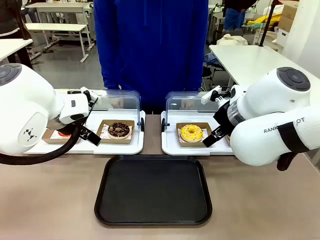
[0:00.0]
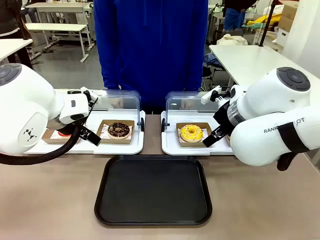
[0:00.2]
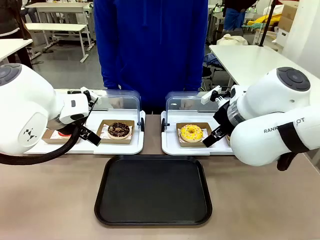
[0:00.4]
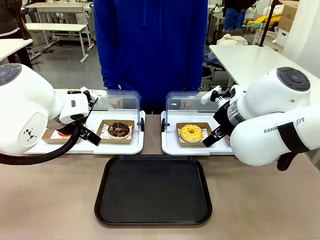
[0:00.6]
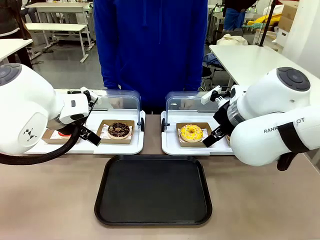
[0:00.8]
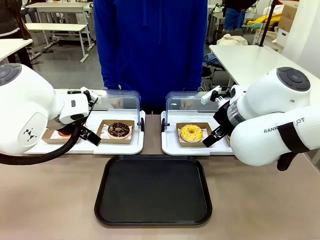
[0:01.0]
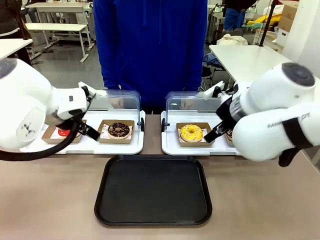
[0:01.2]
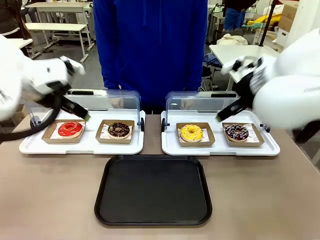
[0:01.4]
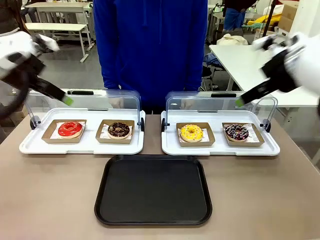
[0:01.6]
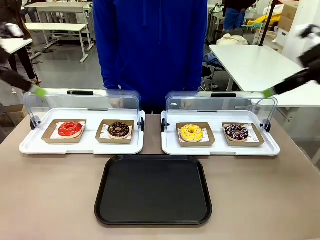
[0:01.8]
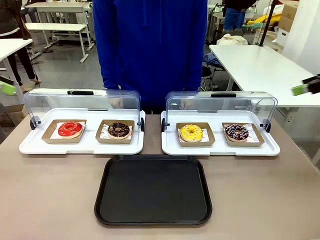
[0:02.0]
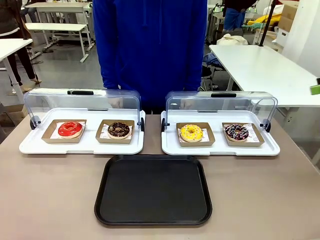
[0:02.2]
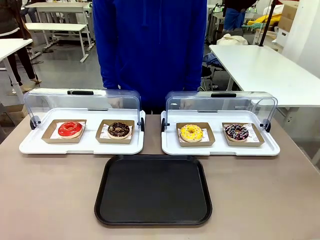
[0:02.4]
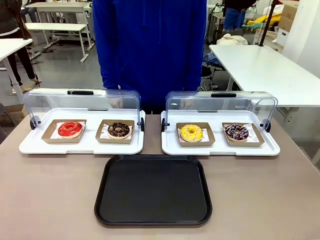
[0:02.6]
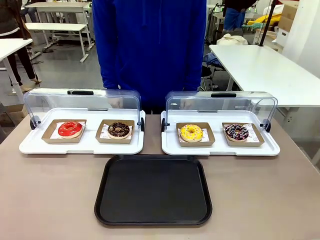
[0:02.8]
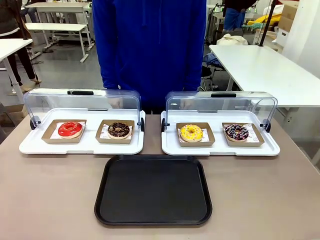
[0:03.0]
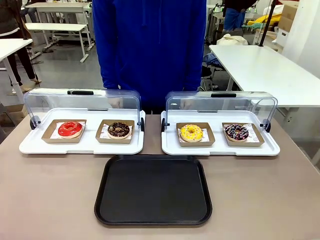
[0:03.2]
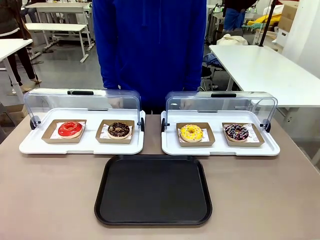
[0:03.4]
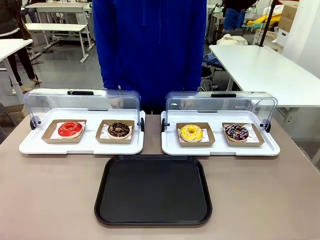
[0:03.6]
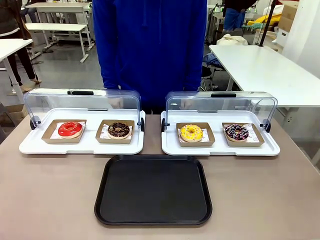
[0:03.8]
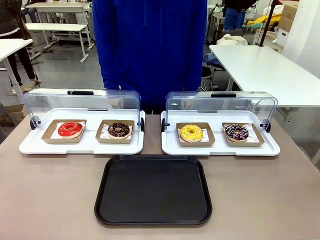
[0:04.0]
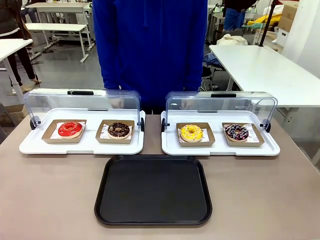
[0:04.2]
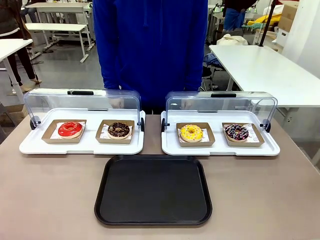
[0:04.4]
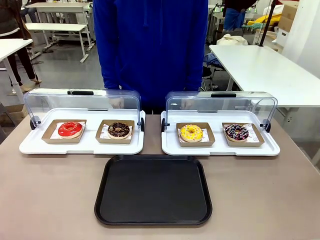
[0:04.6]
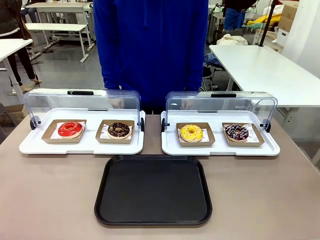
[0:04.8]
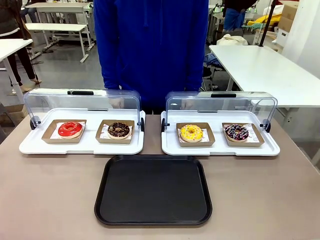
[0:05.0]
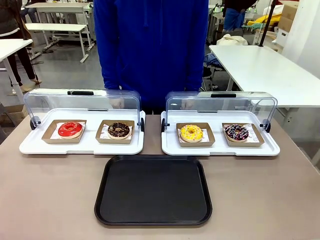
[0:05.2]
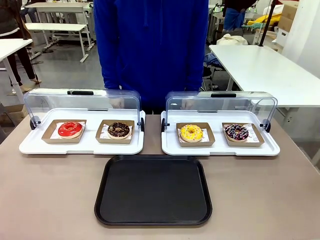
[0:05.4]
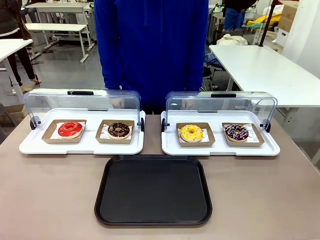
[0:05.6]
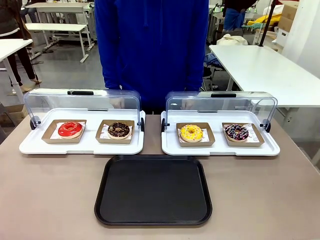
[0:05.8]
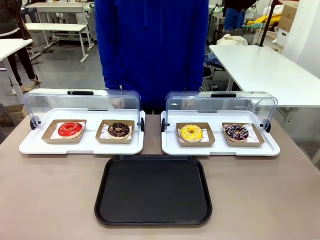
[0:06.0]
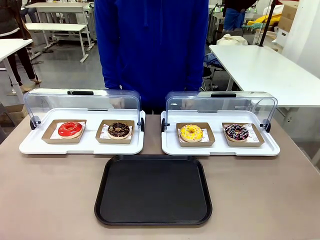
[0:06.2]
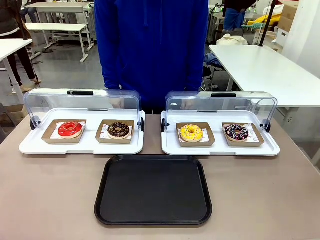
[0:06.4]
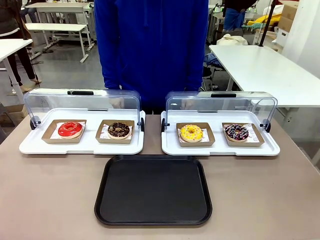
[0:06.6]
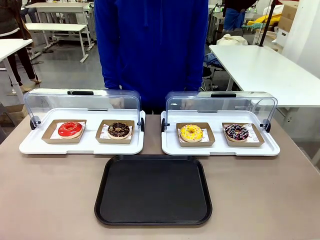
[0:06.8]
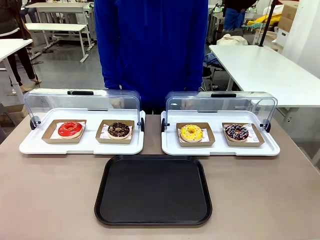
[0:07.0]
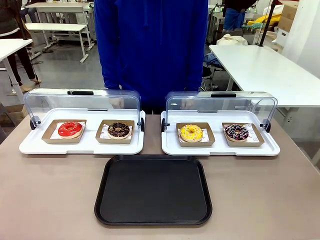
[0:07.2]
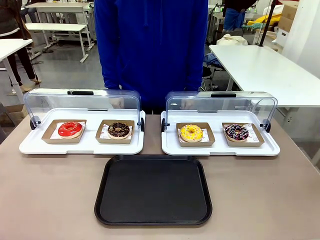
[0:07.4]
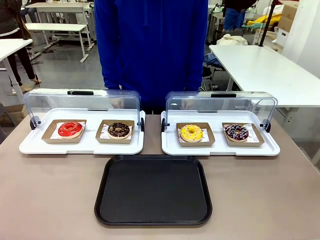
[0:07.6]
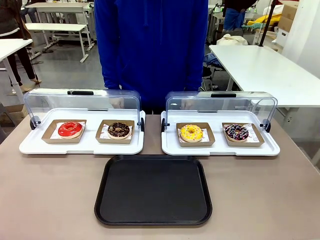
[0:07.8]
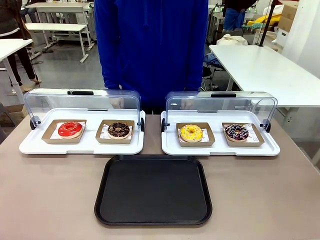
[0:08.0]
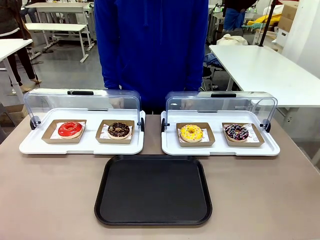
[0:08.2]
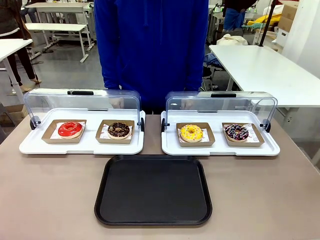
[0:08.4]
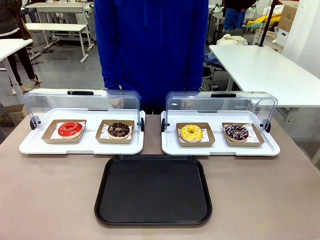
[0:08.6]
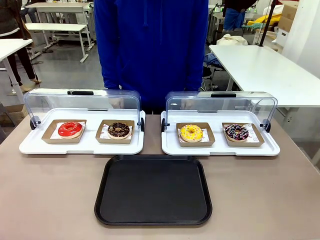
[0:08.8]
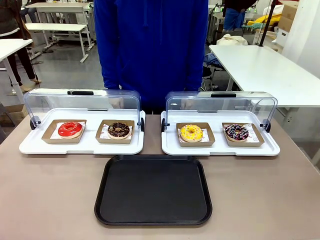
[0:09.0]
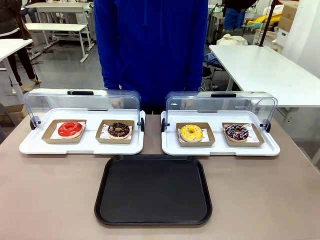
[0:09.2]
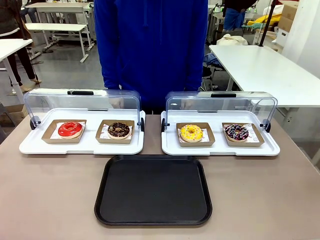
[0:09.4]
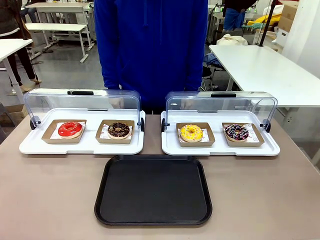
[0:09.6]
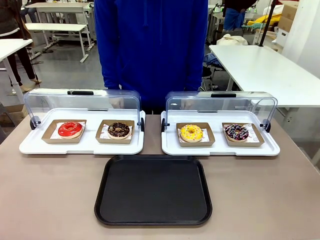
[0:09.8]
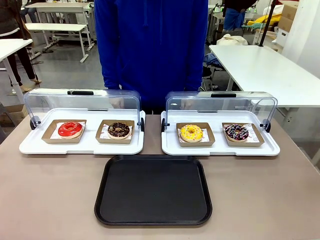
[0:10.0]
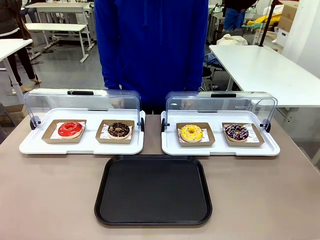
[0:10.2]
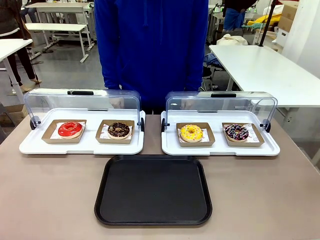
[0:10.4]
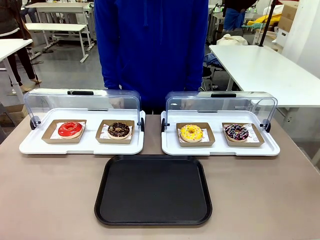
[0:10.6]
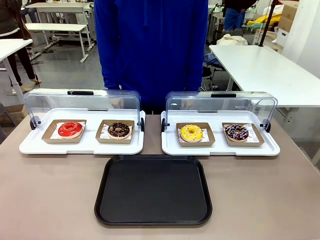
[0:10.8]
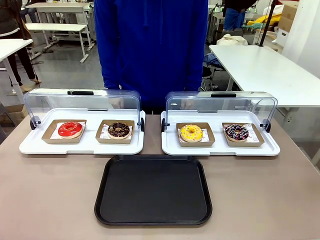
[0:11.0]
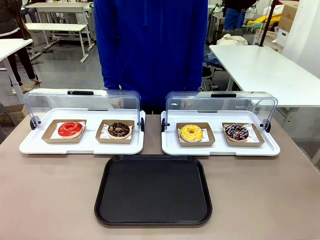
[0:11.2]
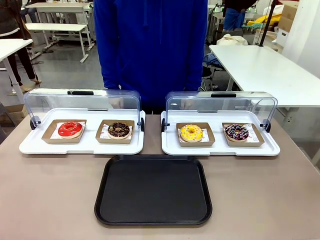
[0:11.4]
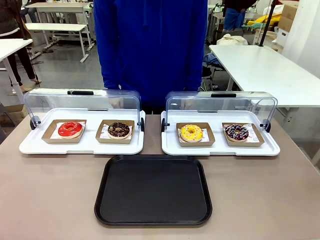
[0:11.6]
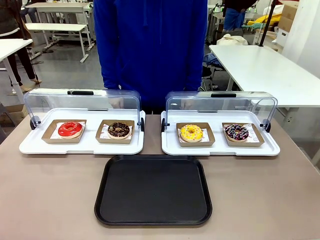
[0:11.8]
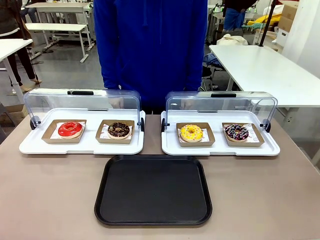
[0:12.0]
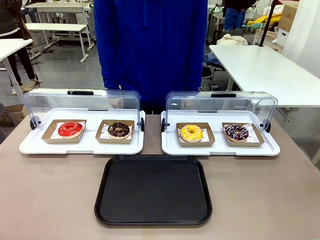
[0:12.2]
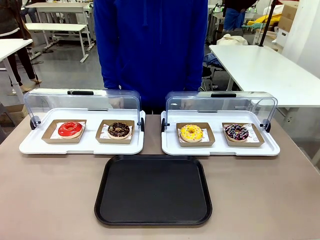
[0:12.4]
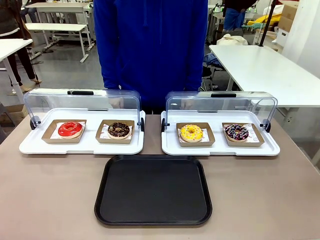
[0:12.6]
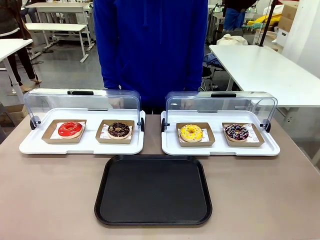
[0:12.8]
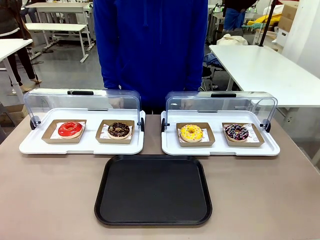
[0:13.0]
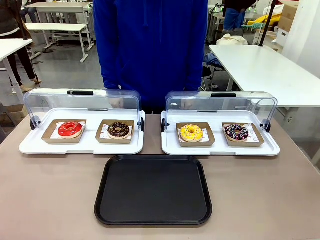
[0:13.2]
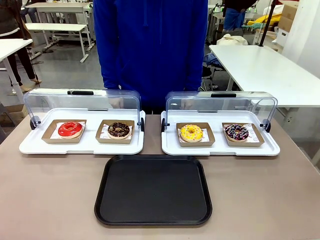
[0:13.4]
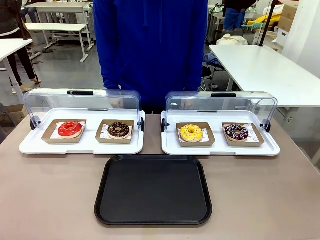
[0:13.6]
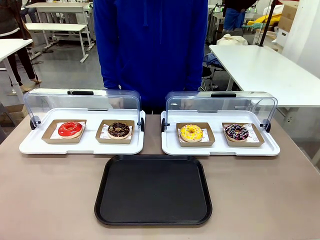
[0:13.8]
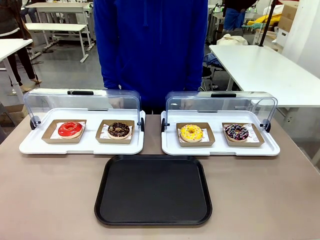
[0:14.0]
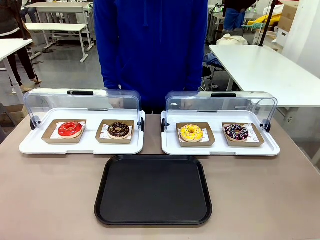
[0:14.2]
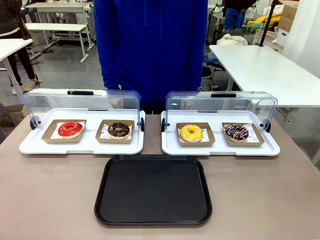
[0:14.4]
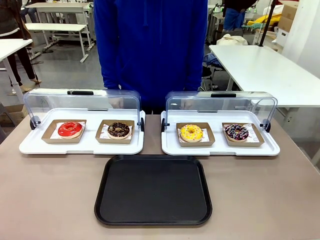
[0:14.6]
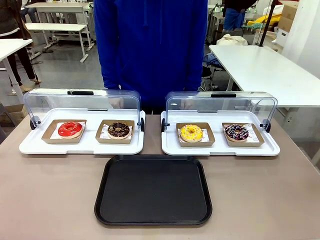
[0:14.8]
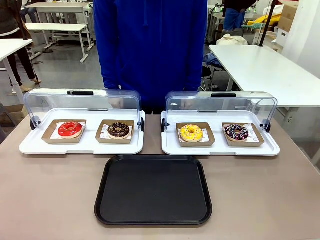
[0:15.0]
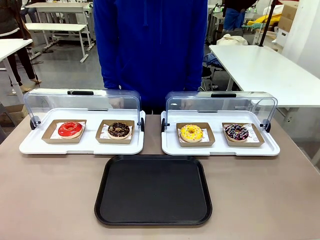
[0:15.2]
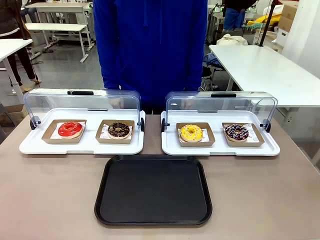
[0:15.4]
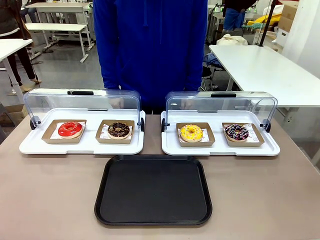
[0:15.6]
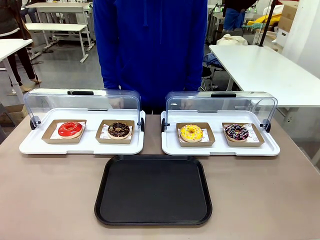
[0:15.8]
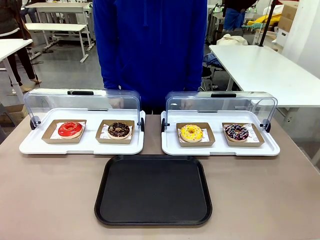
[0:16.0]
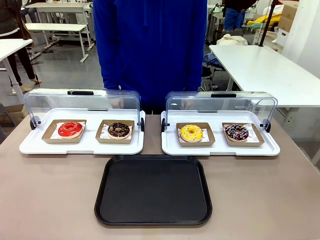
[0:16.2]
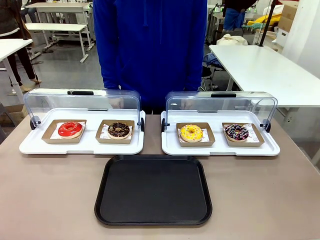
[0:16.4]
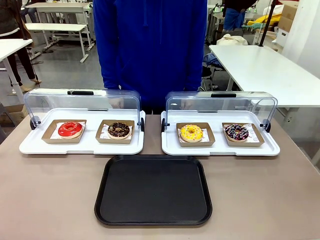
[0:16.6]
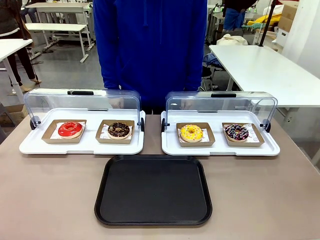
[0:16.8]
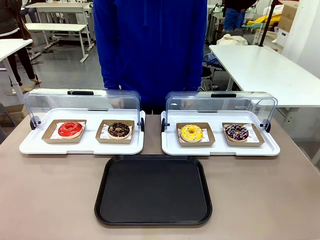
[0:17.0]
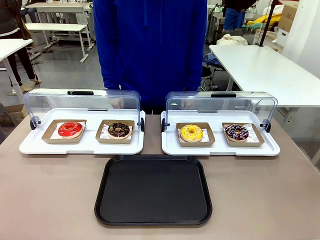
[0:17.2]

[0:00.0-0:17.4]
Task: Move the third donut from the left to the tray.
Robot: Pick up the Paper togo box containing the Donut indicated by the person and place it on the Handle tray.
